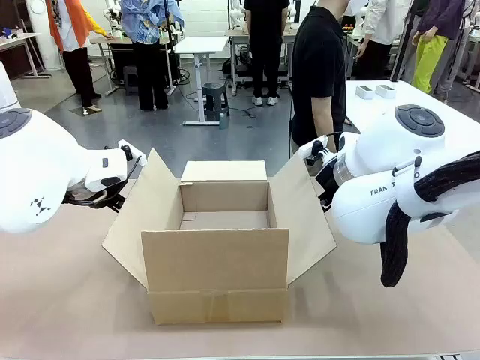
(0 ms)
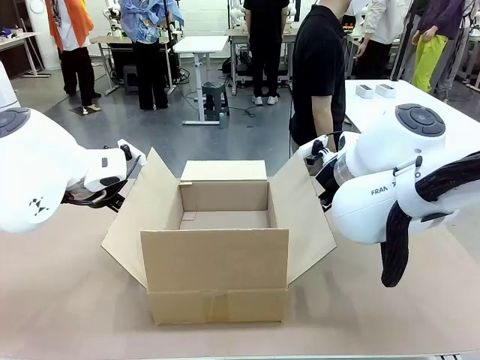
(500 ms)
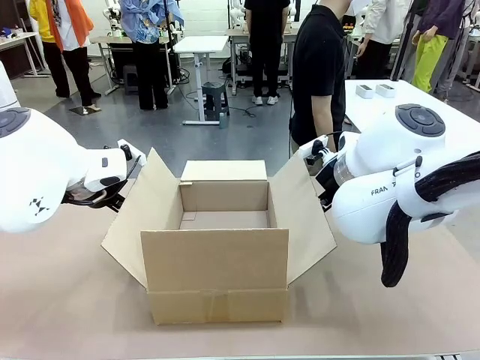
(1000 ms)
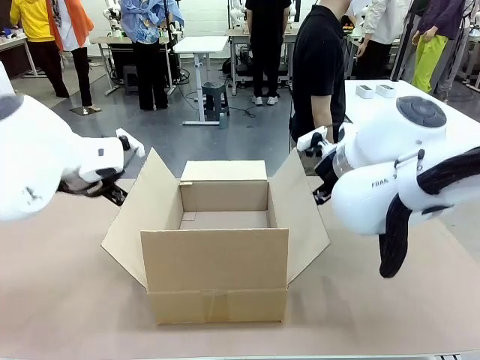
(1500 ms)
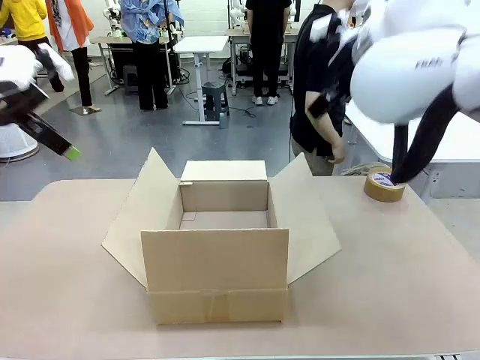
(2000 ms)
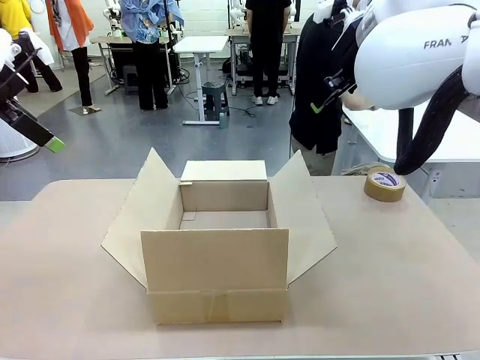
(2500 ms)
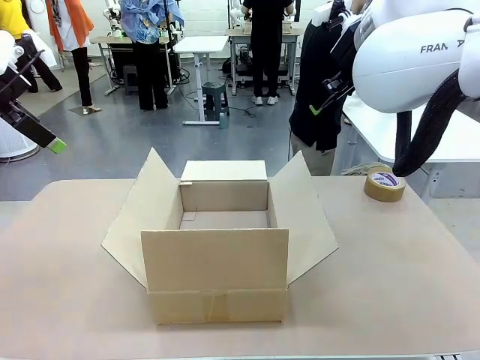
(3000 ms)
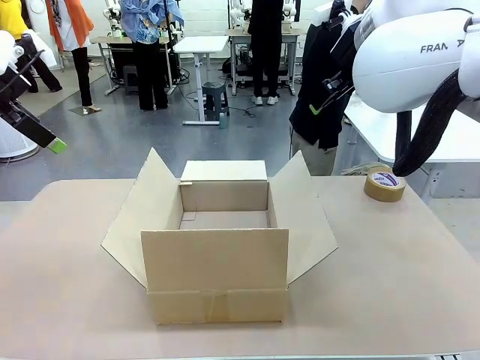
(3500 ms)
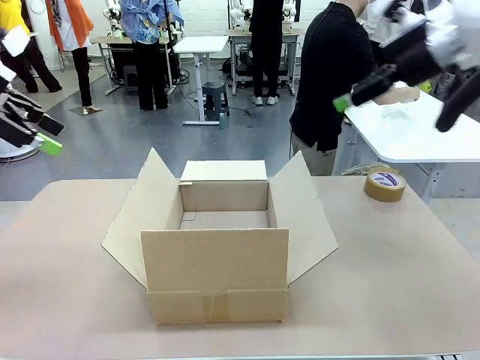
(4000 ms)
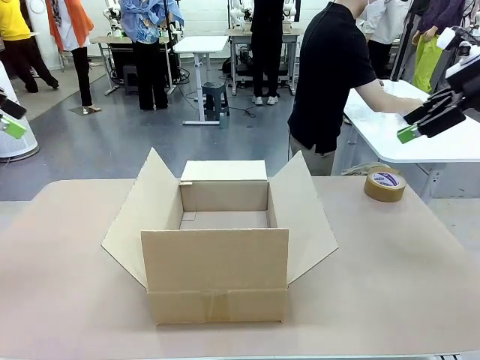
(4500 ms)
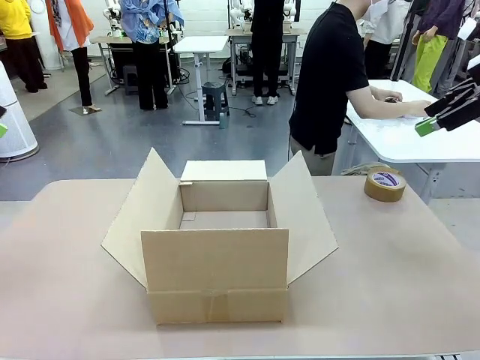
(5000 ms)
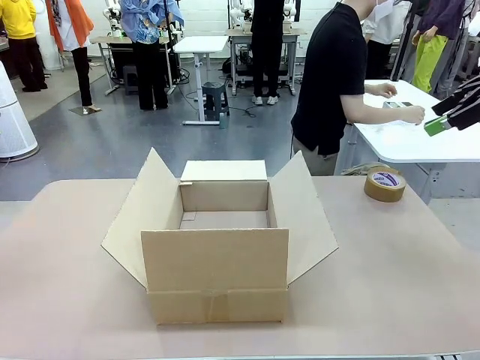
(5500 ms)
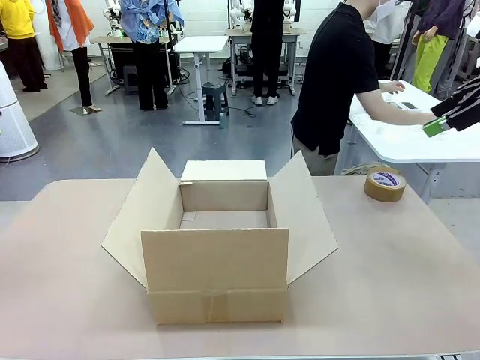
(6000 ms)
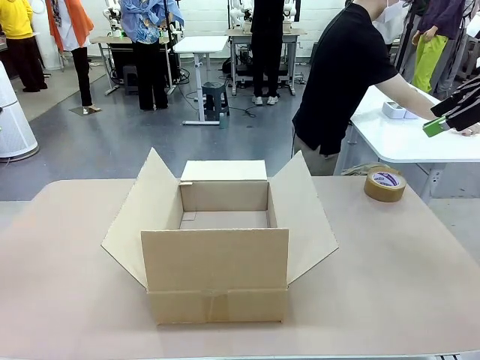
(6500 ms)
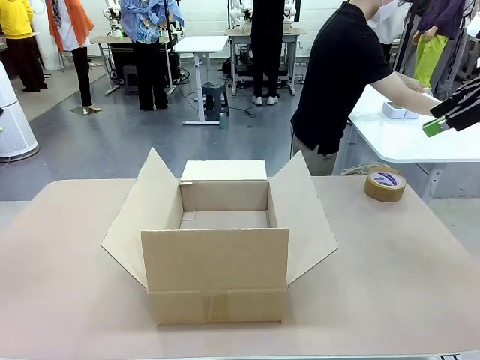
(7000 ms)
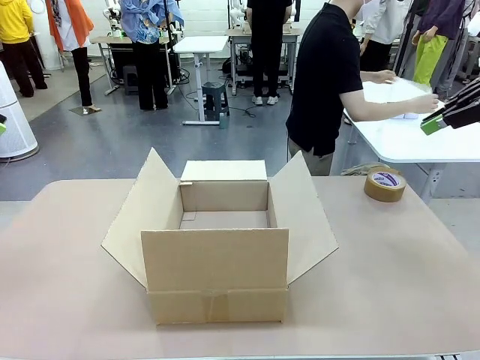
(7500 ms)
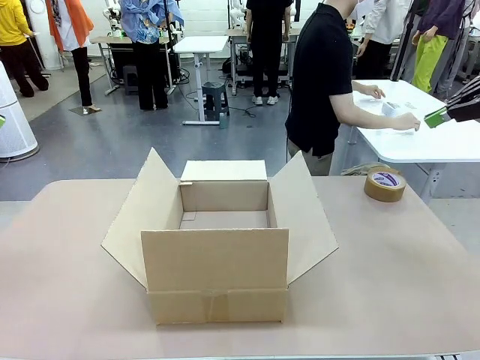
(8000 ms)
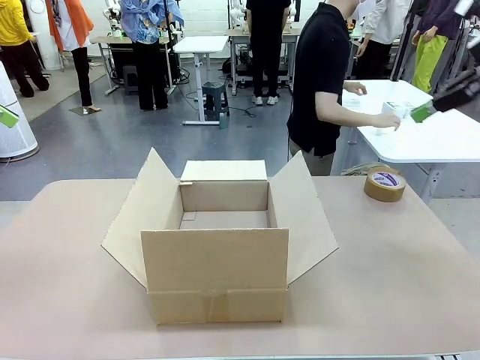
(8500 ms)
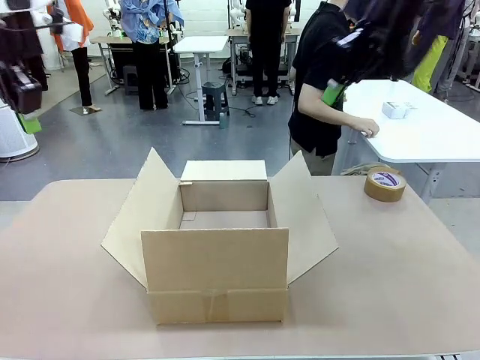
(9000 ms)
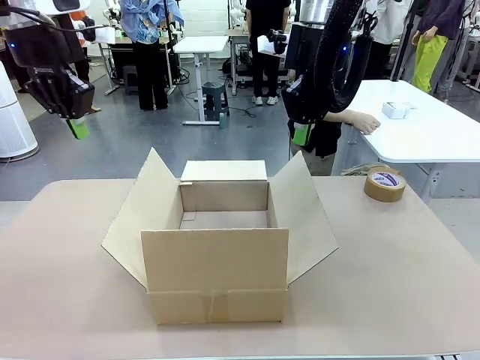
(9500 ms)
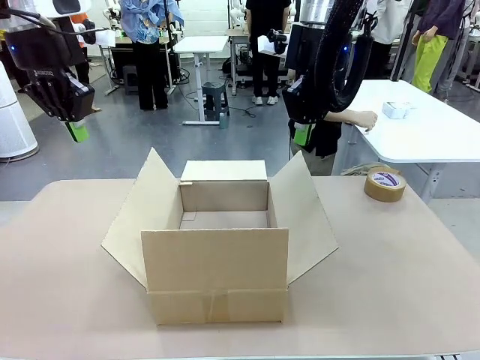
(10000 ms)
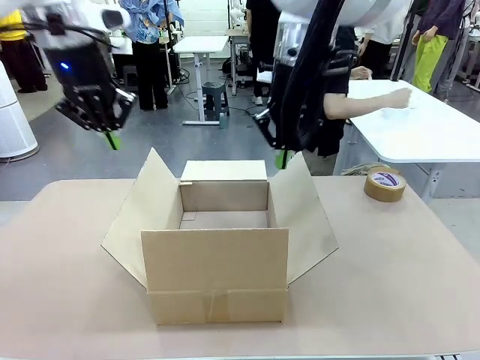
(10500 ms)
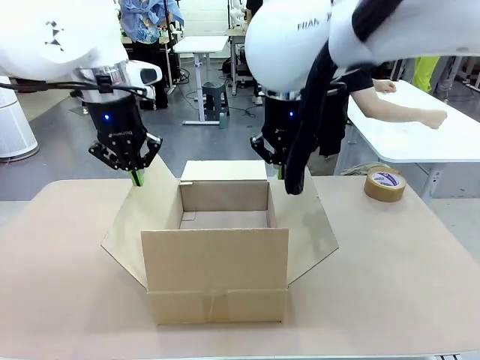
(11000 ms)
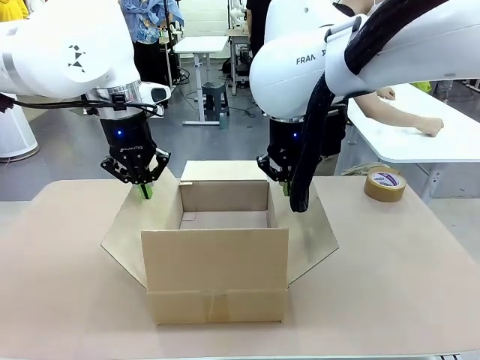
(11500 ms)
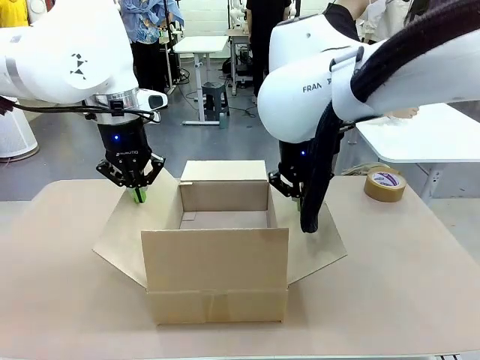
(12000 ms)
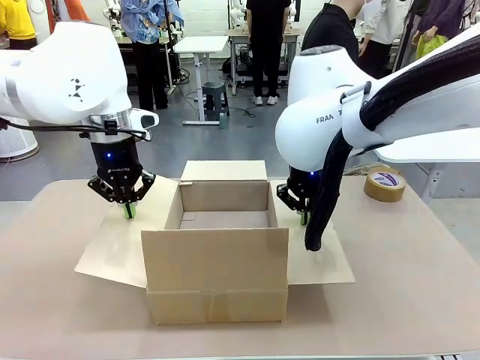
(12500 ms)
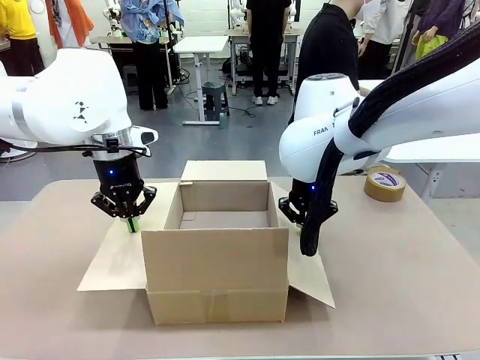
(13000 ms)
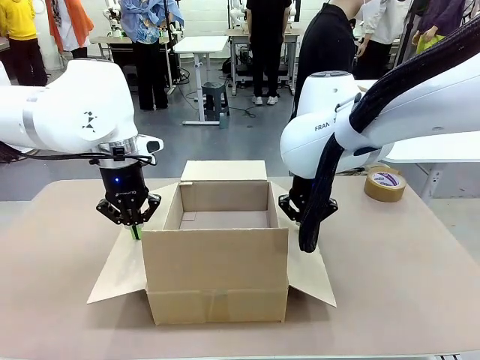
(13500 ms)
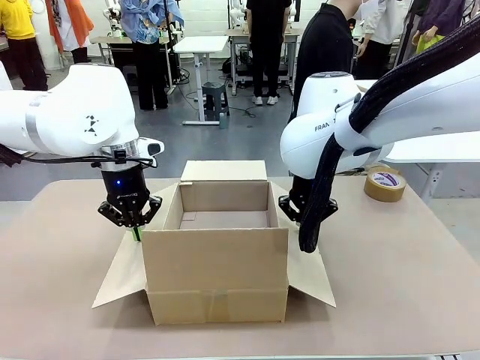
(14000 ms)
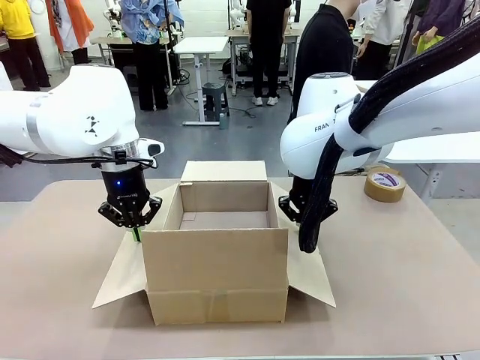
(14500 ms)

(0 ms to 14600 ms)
Task: Wrap the clocks to prevent damage.
Robot: Open the side flaps of the Package Box.
Person: Wrap the two Digital clocks with Bubble Wrap.

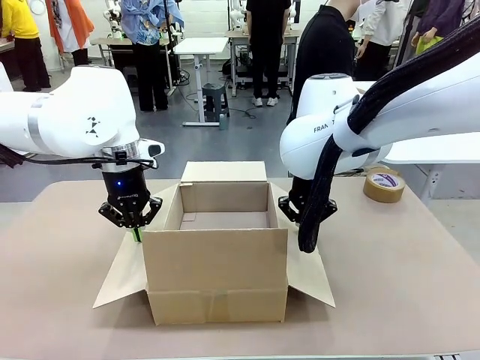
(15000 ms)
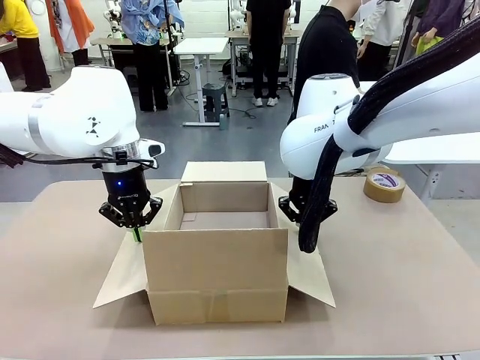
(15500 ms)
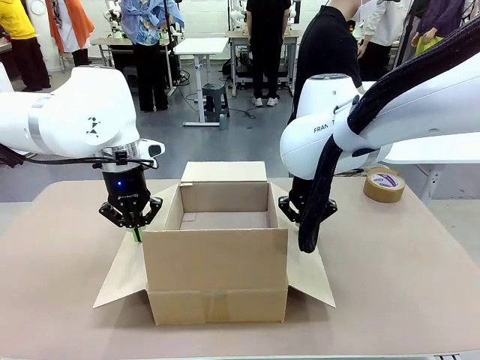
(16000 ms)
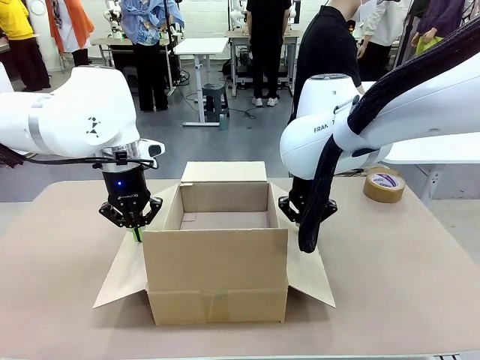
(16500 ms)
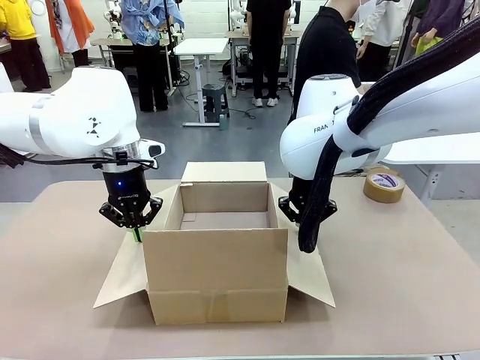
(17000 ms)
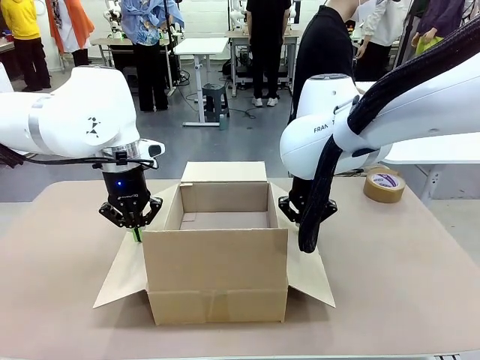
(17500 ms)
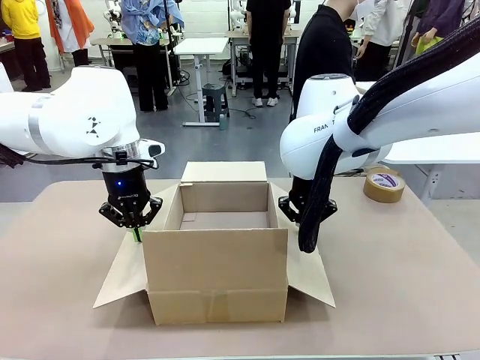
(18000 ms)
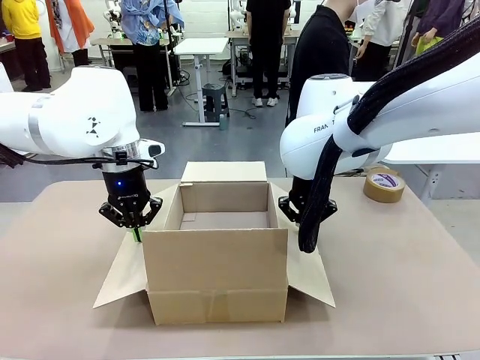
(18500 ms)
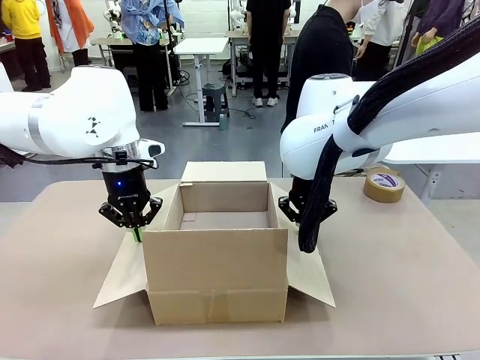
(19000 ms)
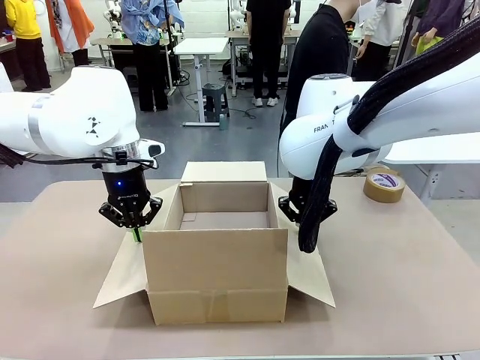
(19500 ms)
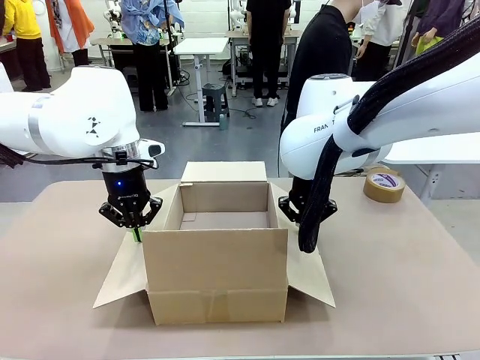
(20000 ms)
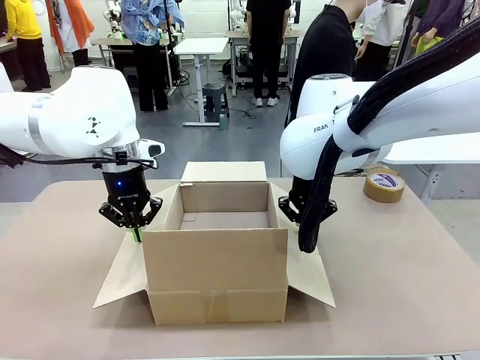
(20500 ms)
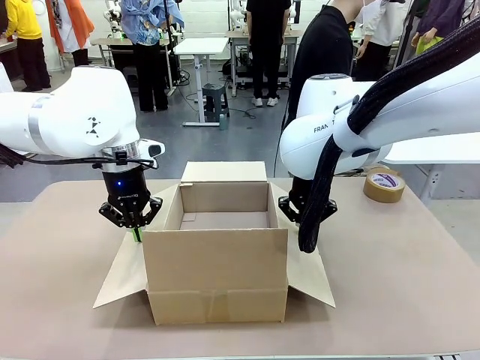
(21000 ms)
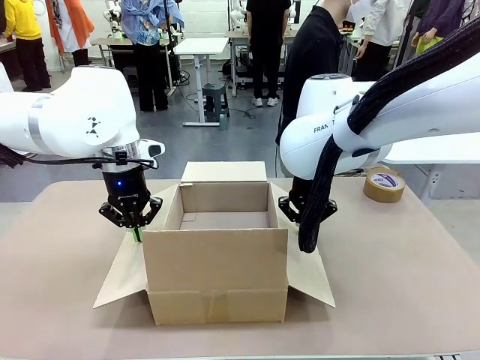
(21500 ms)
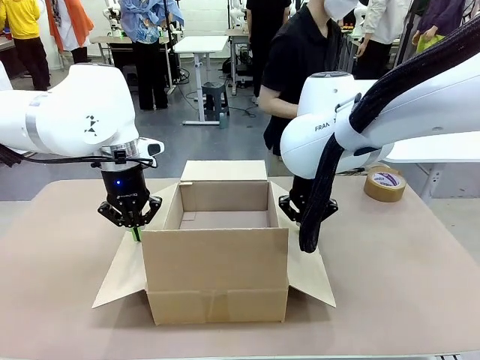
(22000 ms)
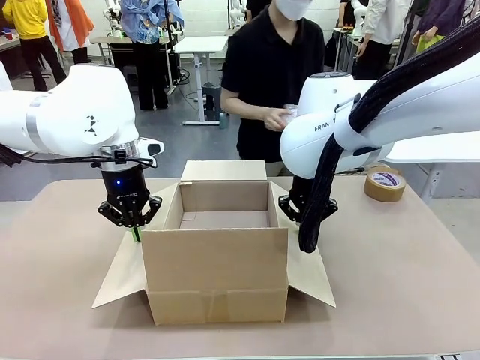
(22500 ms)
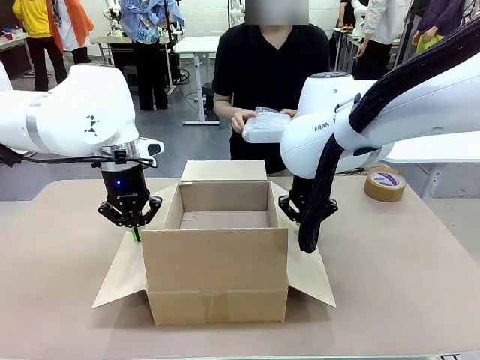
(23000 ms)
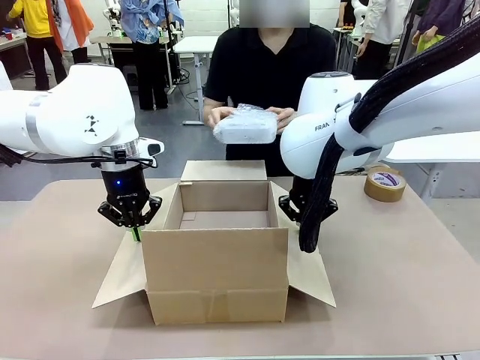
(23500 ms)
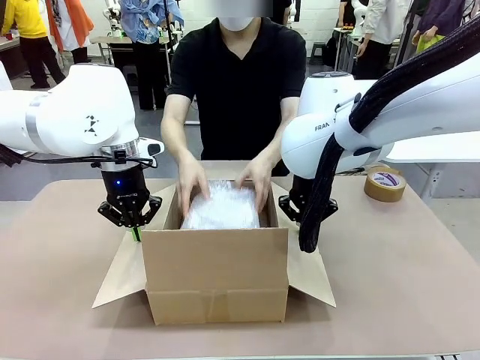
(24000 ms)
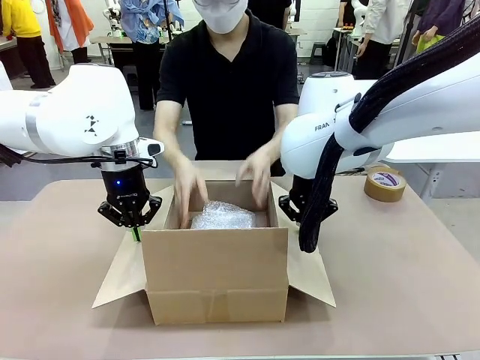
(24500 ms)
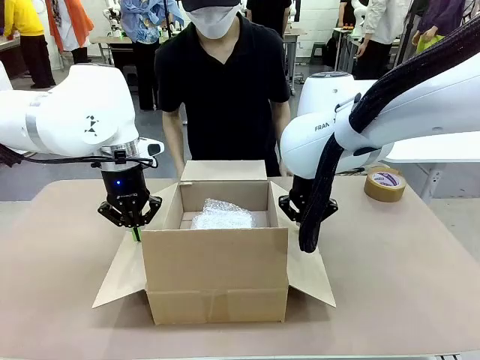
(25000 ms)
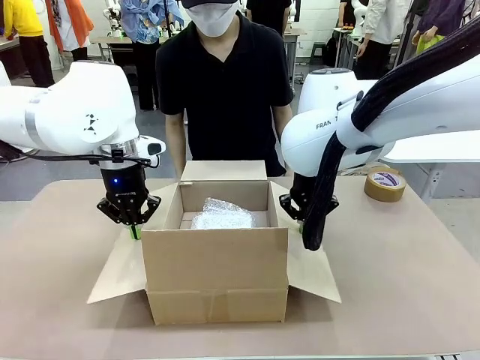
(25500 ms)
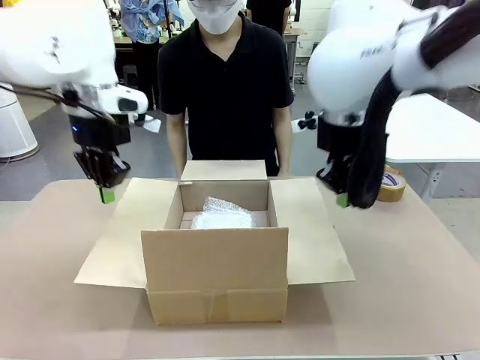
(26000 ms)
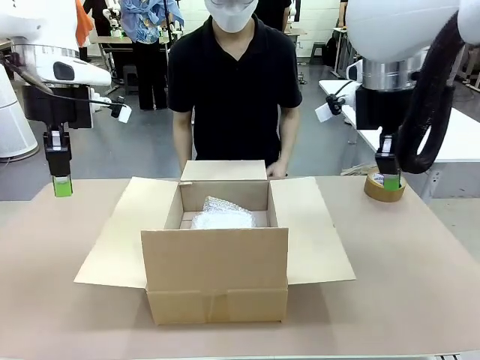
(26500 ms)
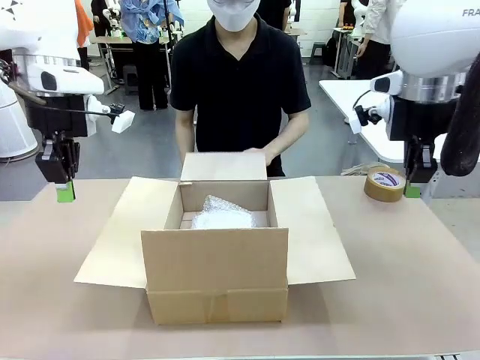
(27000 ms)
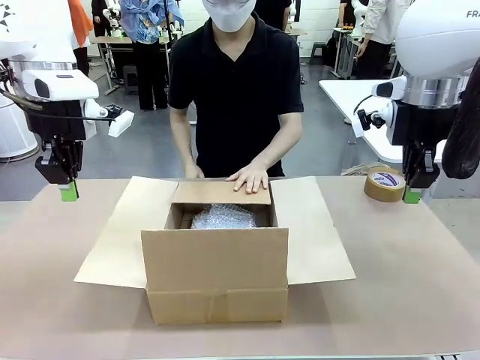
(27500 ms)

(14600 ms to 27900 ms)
Robot: Once the human has placed the objects inside and stepped back, release both hands from the side flaps of the Package Box.
Person: Place the wrapped Digital clocks inside the Package Box. Hold the top and bottom flaps of the Package Box closed with your left (or right) hand.
